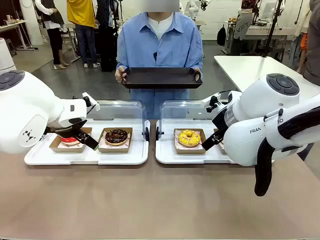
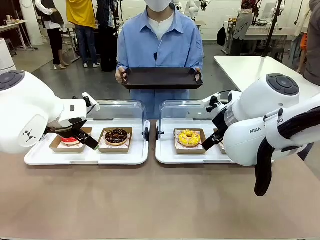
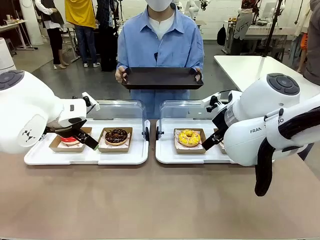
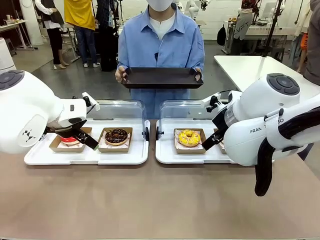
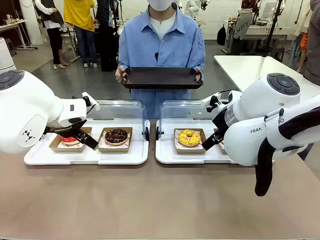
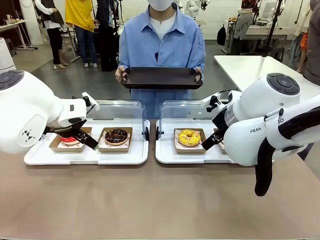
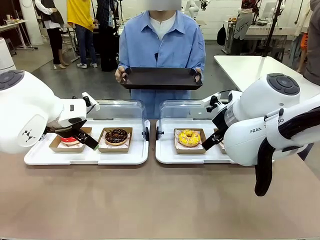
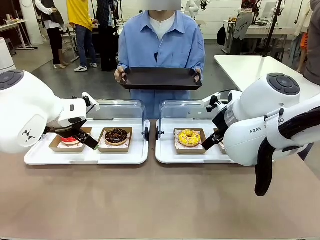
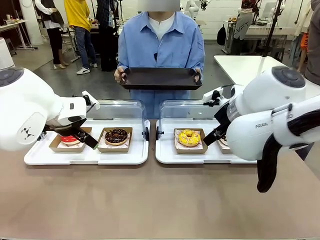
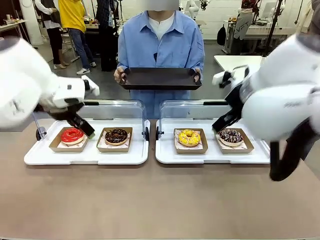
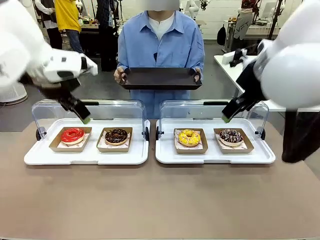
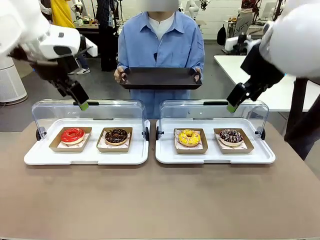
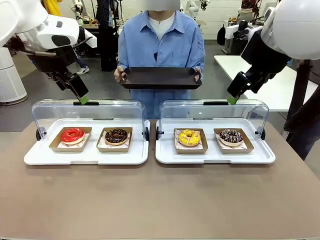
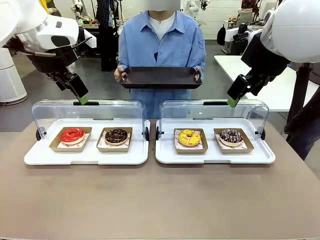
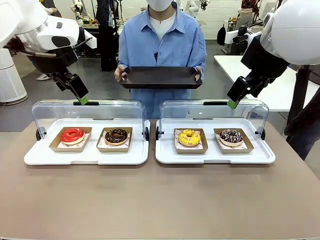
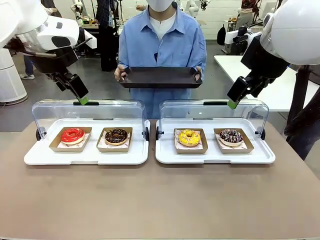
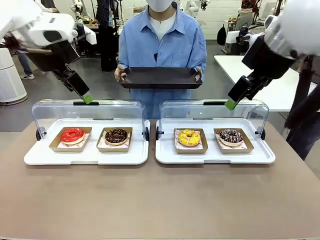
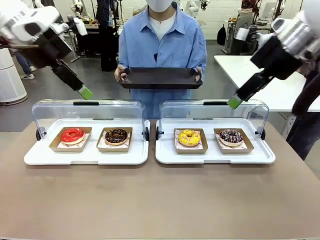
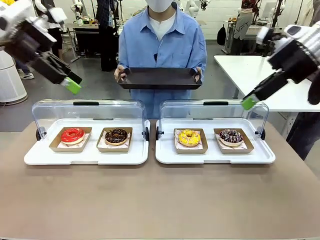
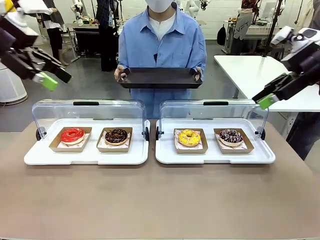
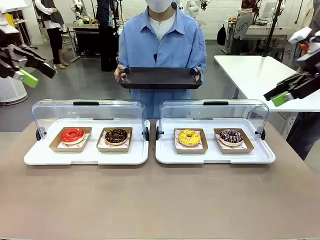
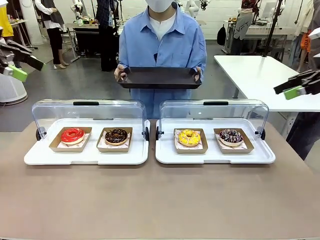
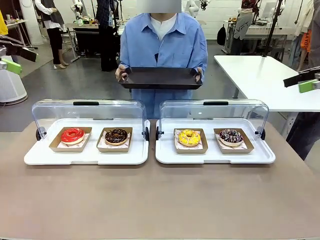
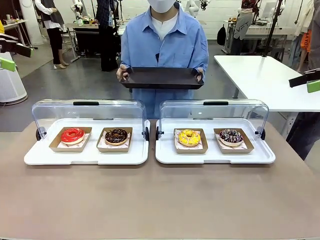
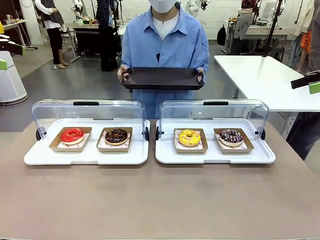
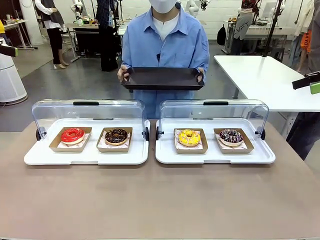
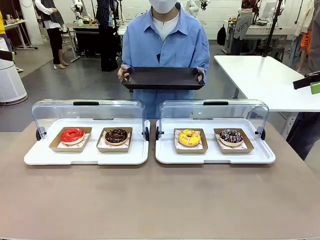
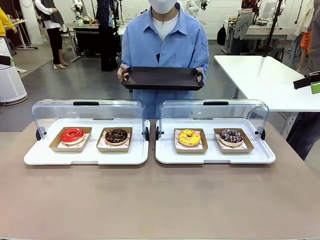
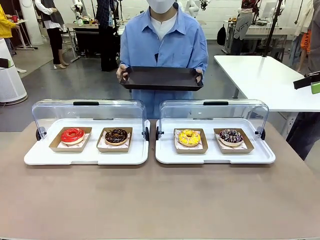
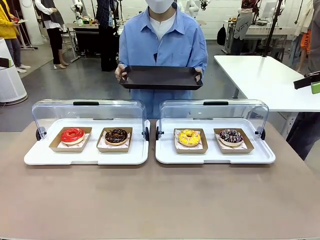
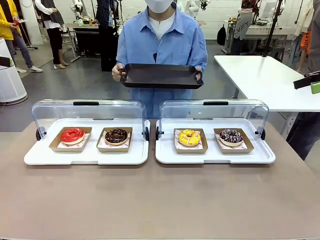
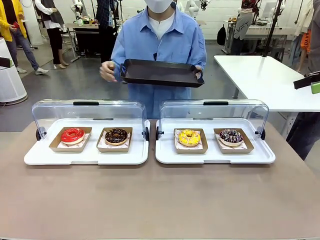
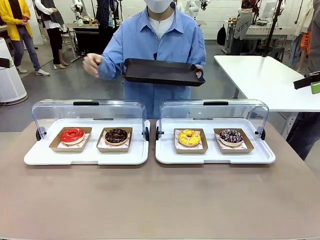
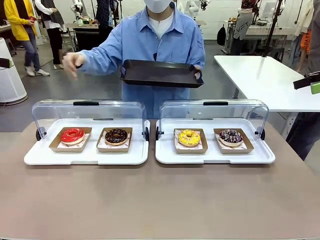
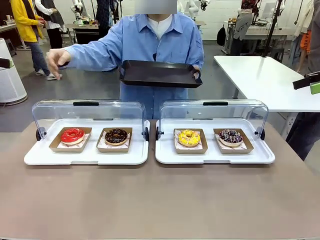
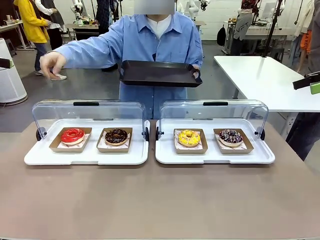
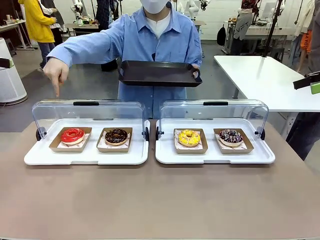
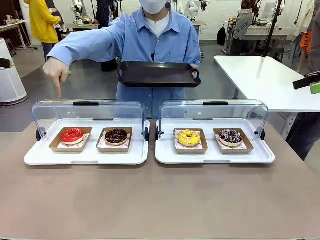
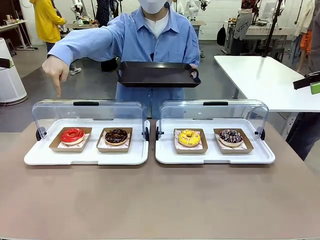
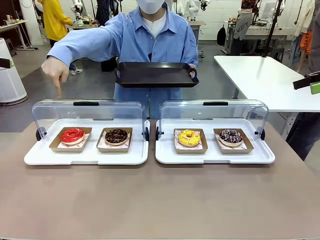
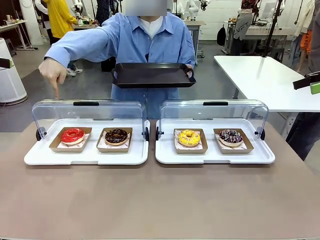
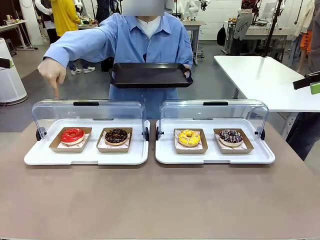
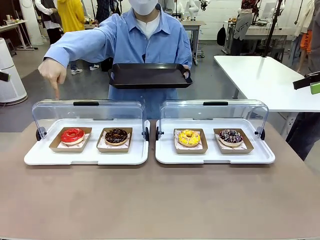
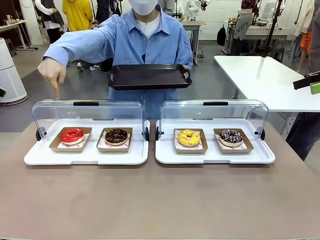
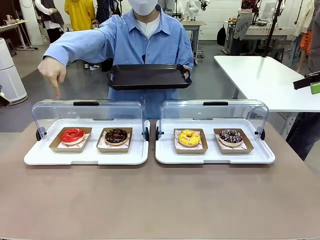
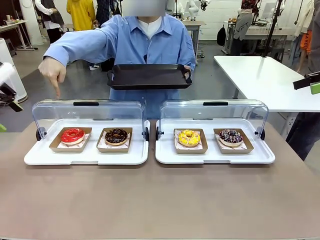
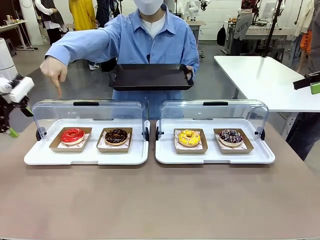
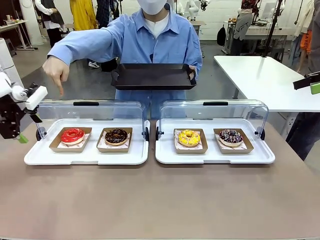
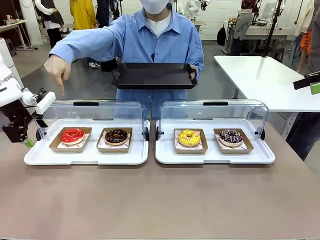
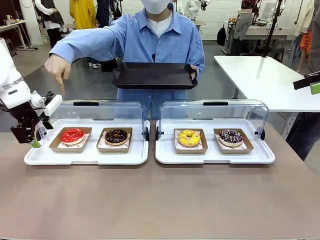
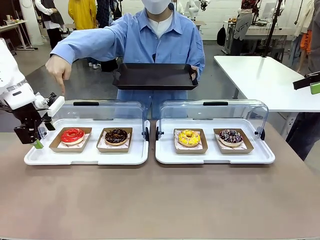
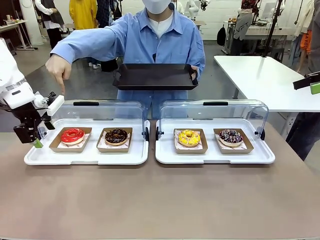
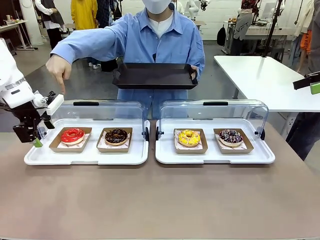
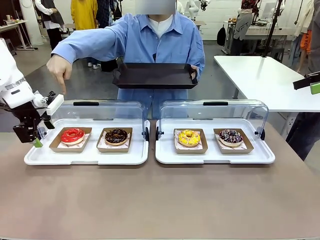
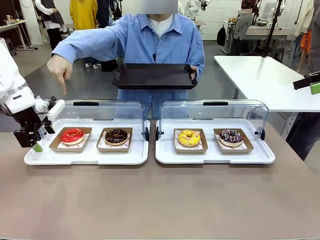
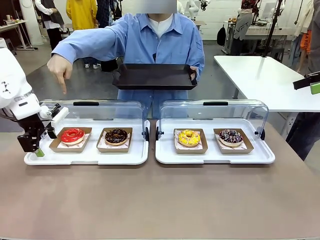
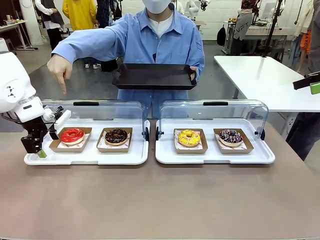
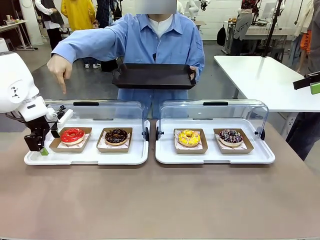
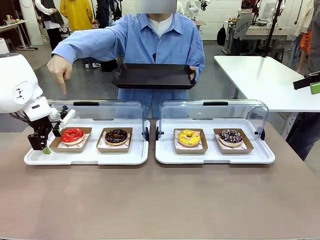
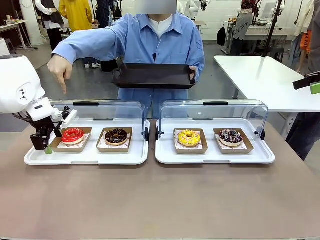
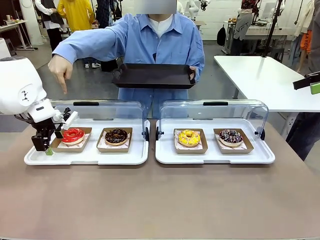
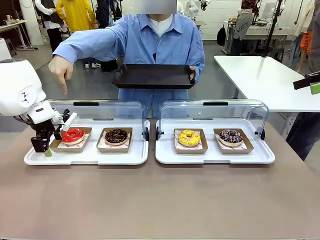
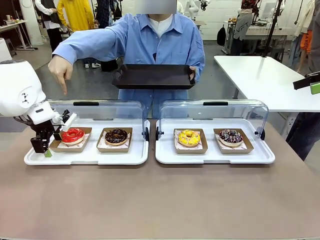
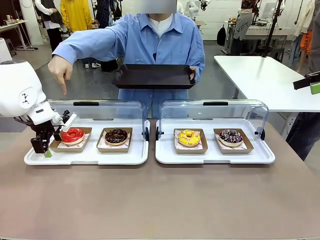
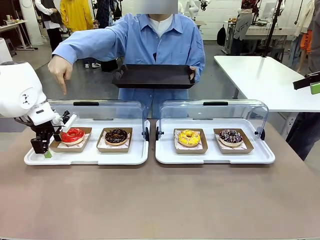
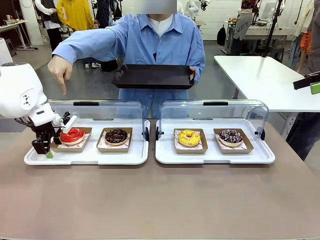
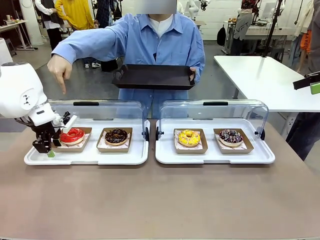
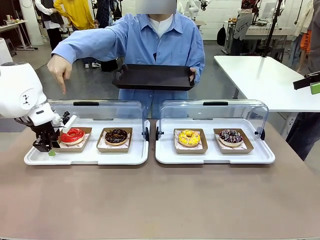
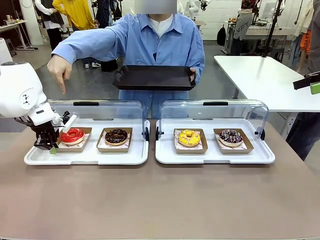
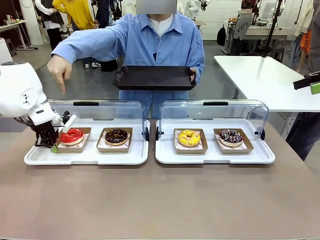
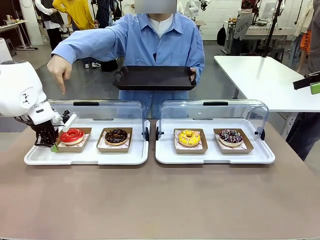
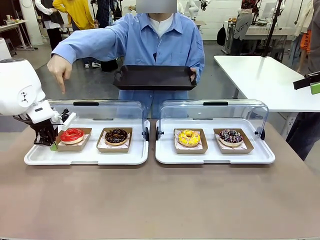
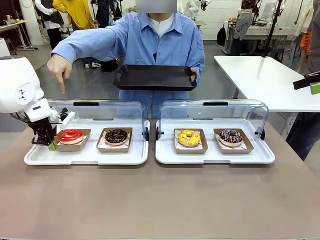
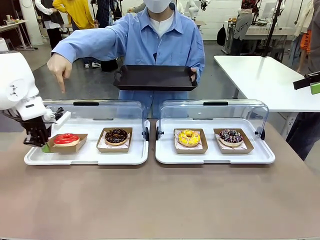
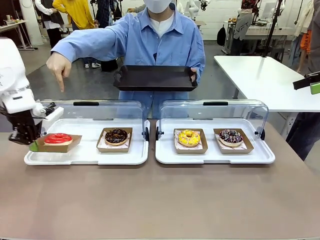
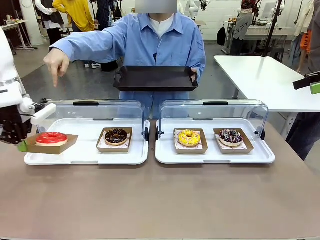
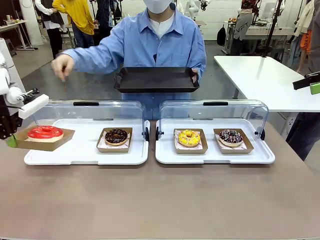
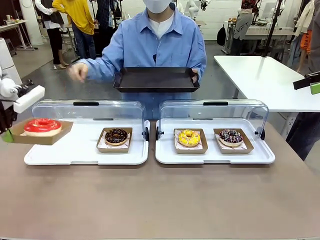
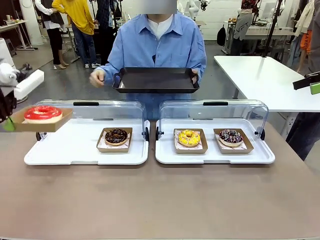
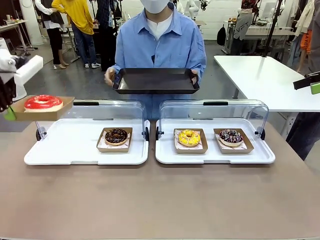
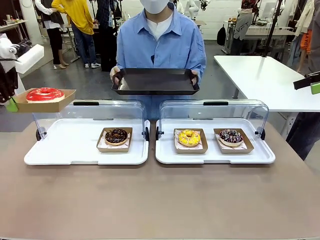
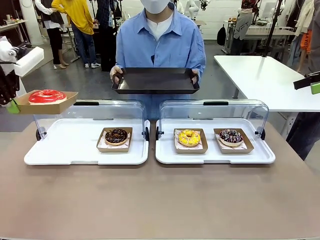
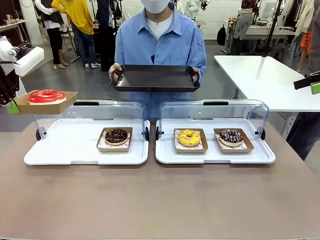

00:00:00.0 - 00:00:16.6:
Task: Provide the desired donut to the person.
Robot: Pick up and lift the Paper togo box containing the Donut pointed at by the person.
Person: Point to one donut. Lift the tray onto the Roll-Top Bakery Case.

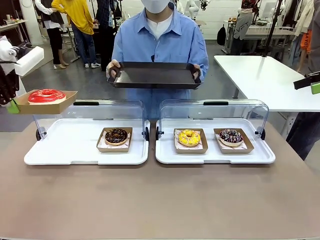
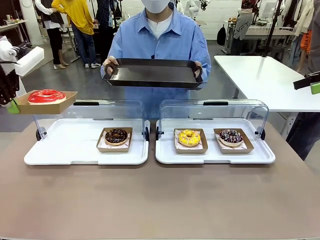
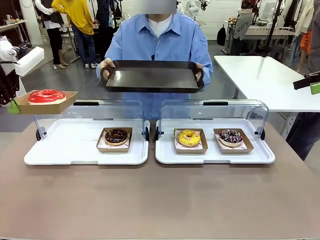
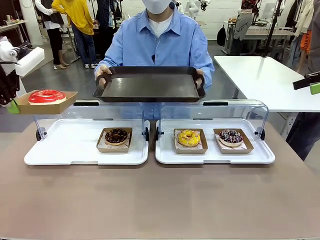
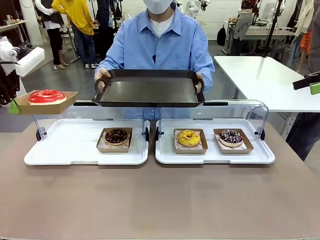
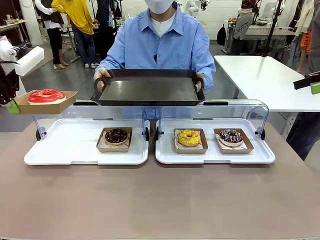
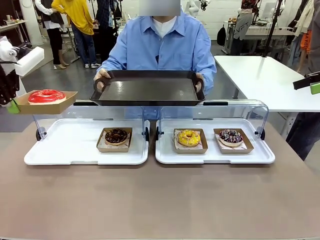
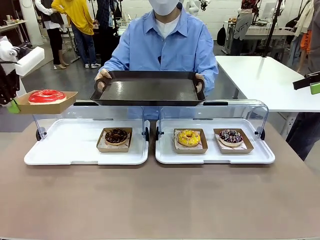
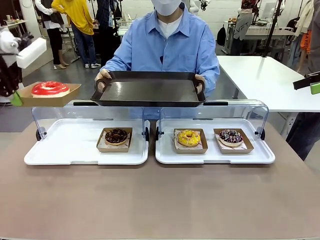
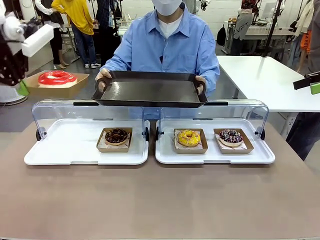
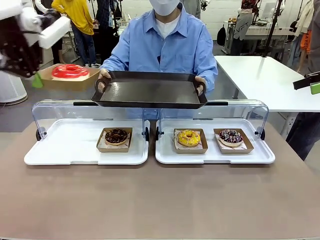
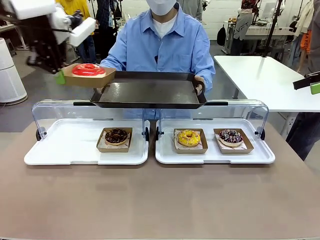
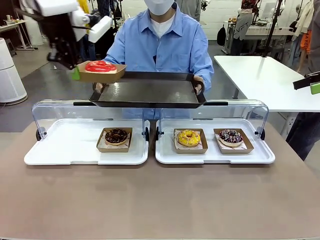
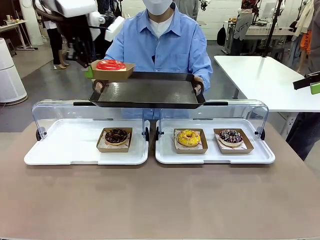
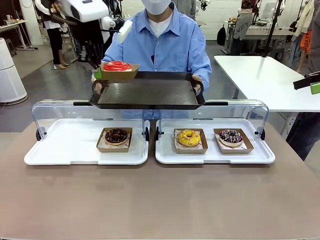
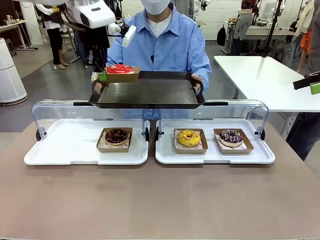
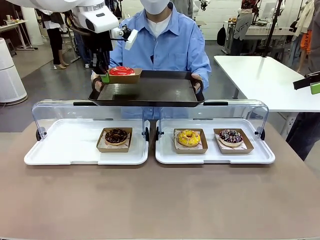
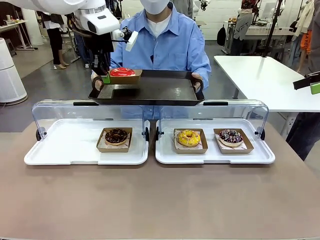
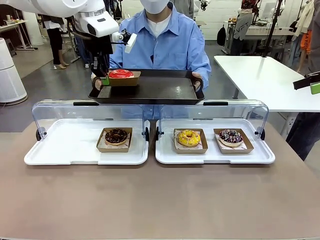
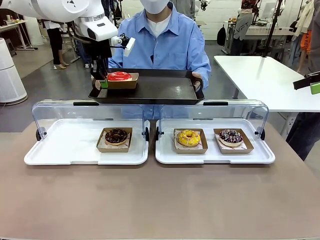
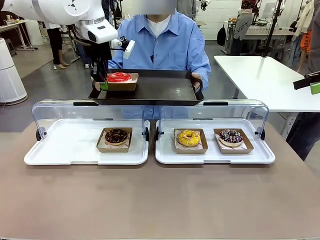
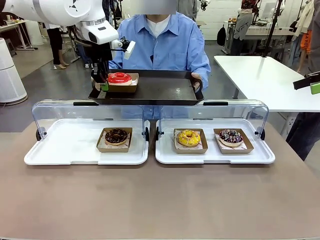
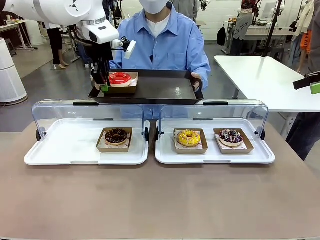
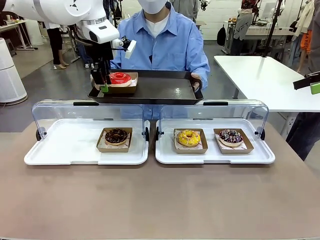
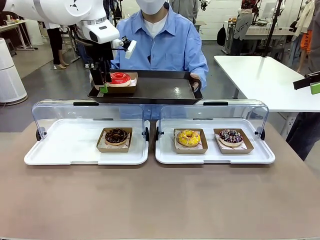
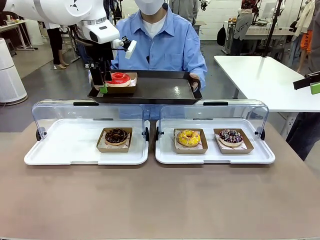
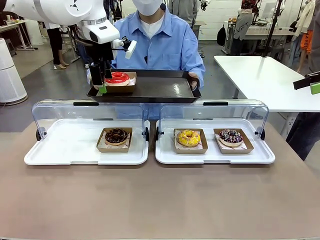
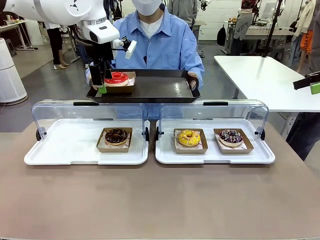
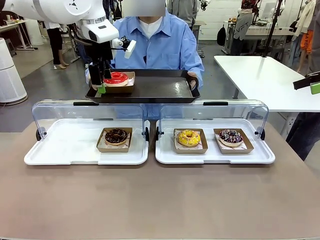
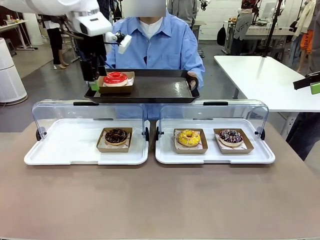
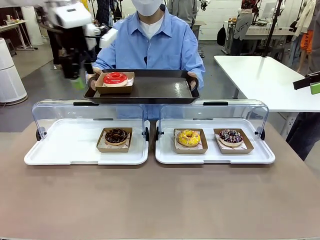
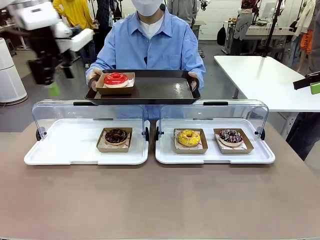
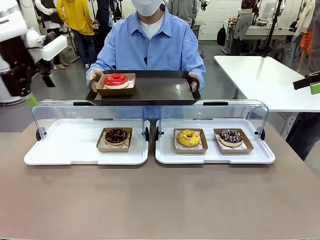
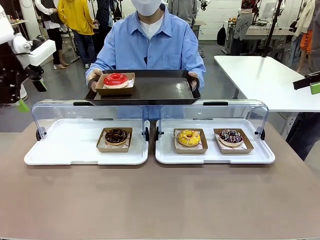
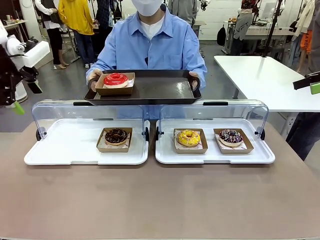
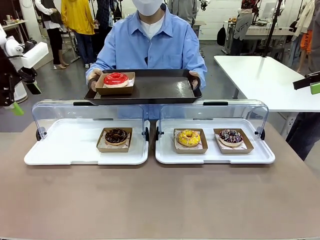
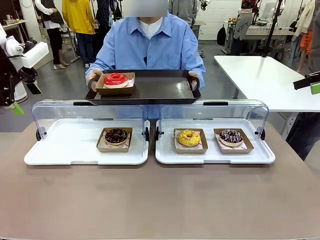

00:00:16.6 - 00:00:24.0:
Robot: Place the picked Paper togo box onto the Handle tray extended by the person.
